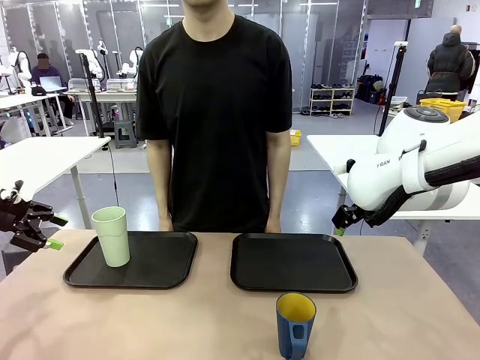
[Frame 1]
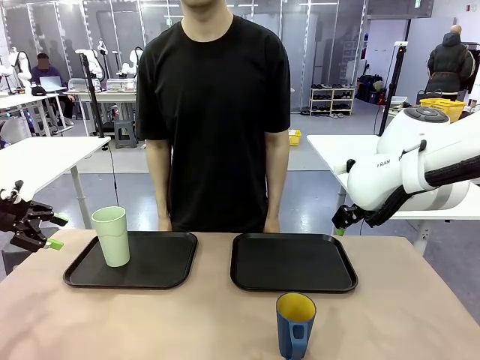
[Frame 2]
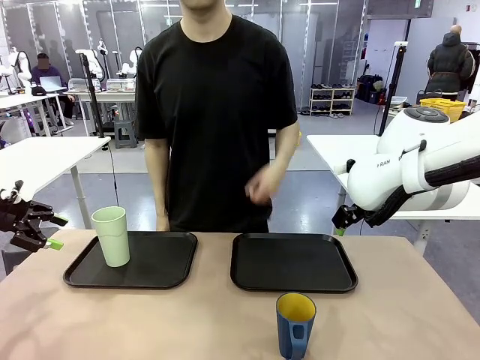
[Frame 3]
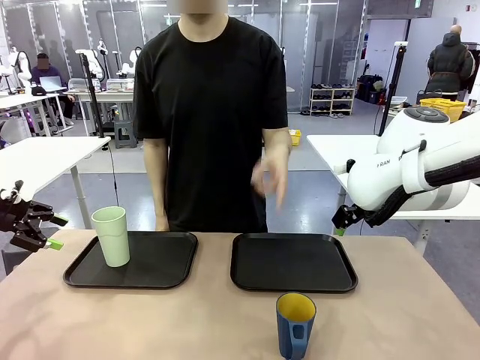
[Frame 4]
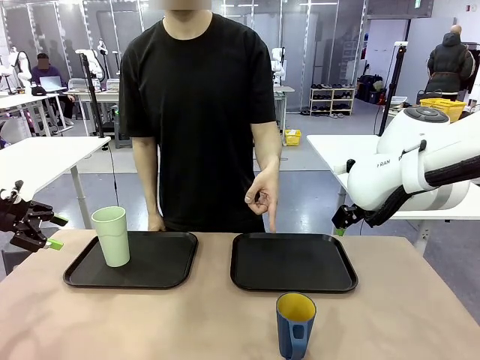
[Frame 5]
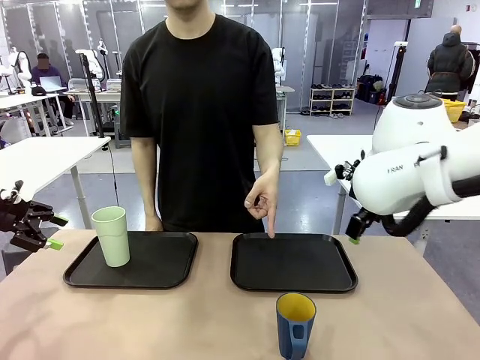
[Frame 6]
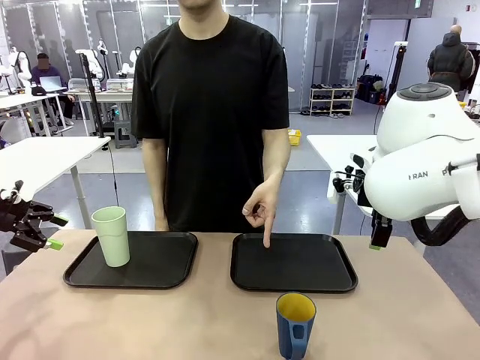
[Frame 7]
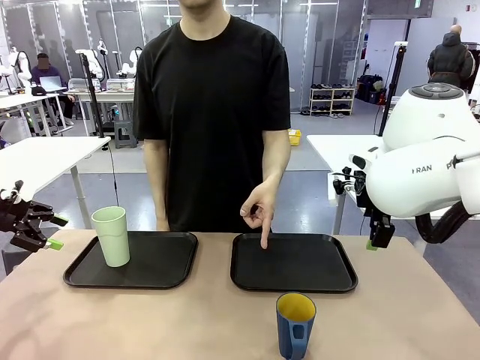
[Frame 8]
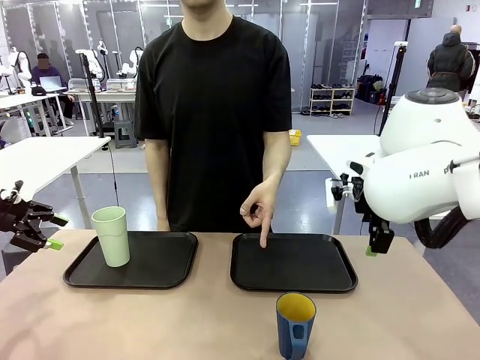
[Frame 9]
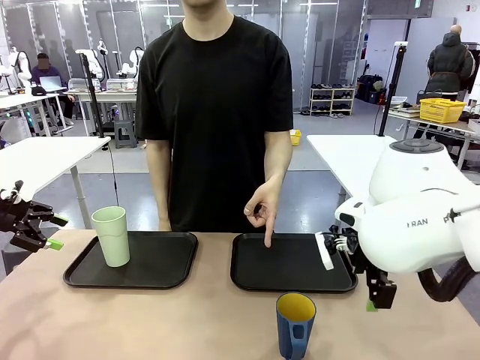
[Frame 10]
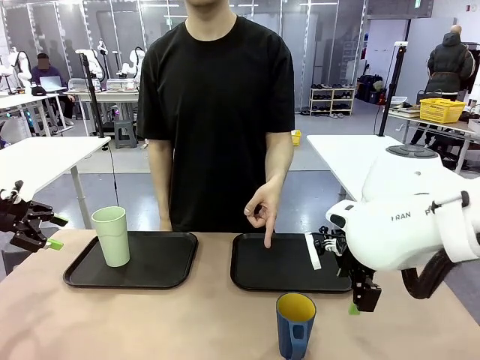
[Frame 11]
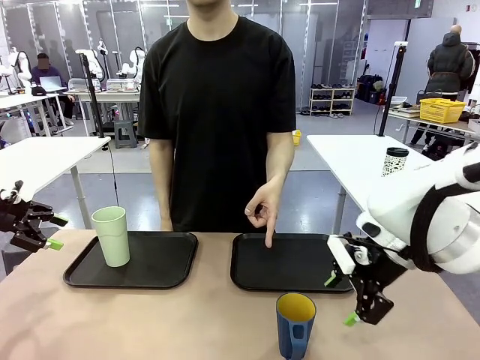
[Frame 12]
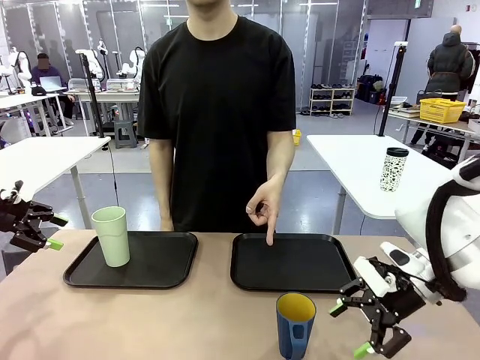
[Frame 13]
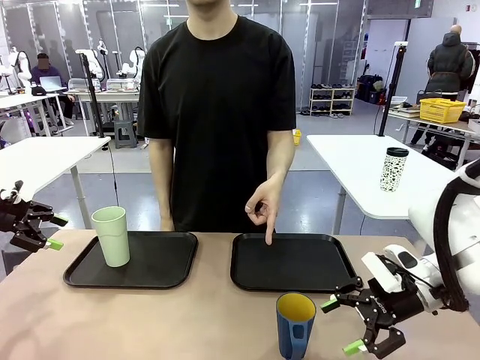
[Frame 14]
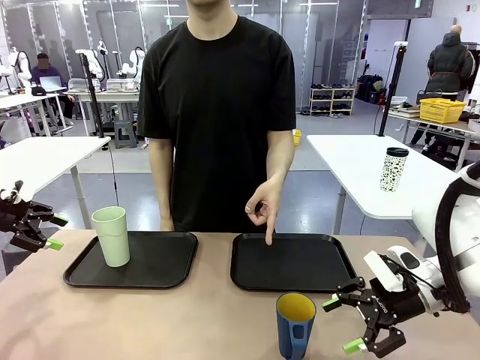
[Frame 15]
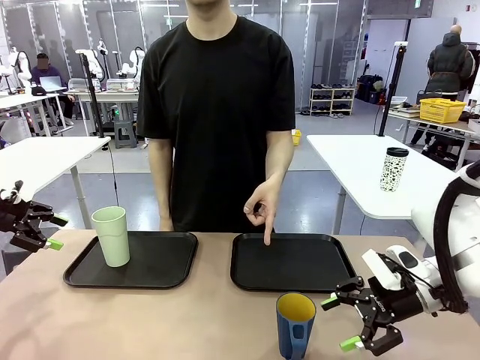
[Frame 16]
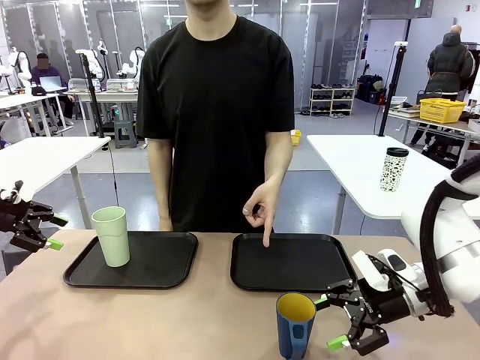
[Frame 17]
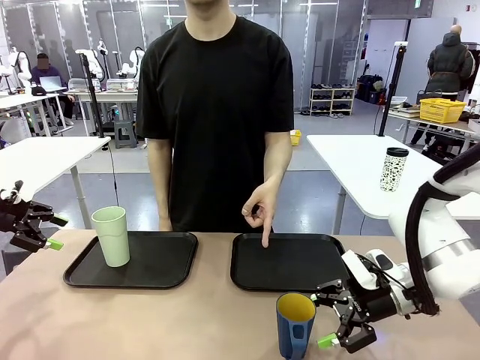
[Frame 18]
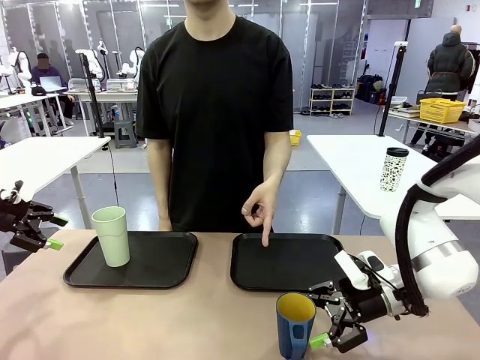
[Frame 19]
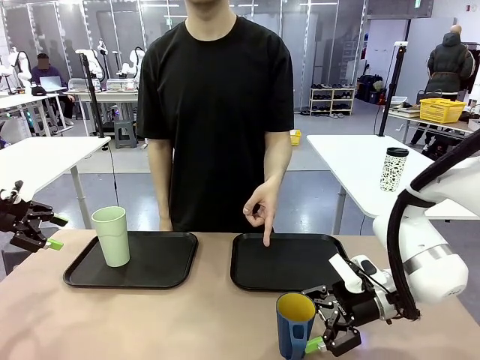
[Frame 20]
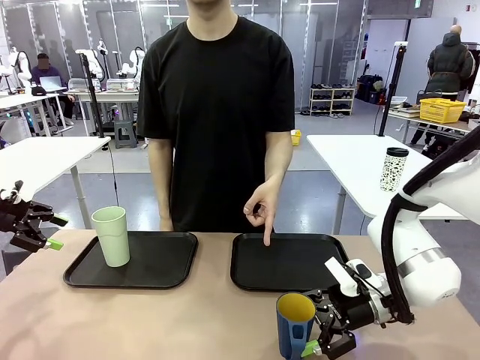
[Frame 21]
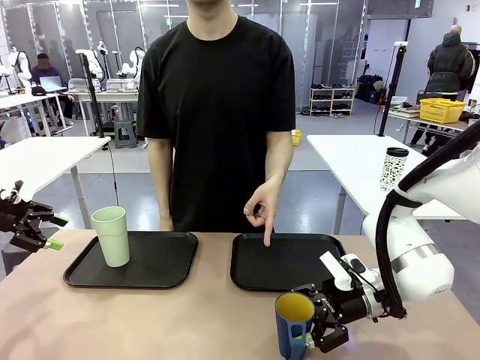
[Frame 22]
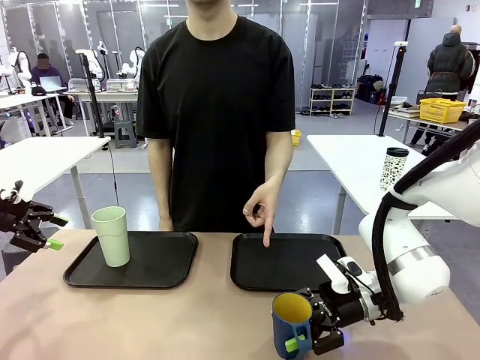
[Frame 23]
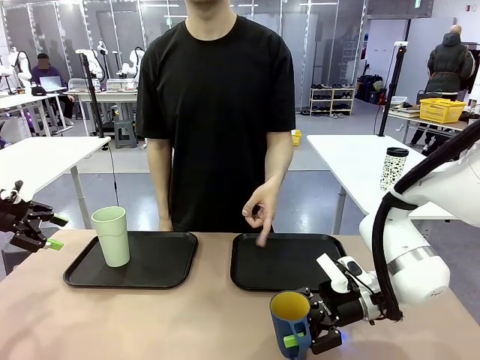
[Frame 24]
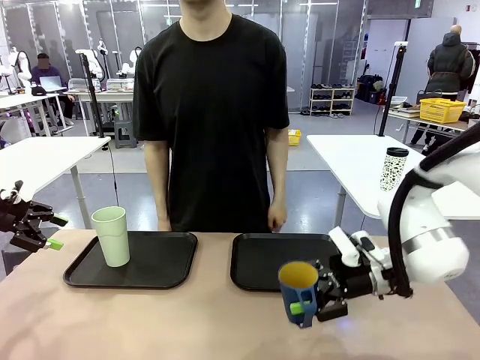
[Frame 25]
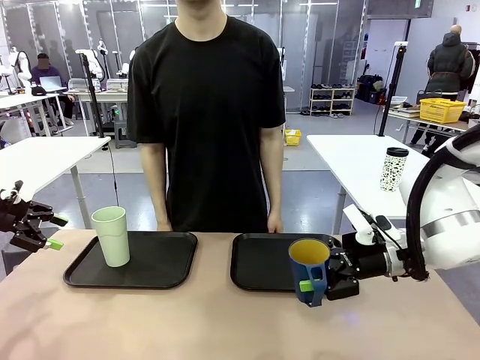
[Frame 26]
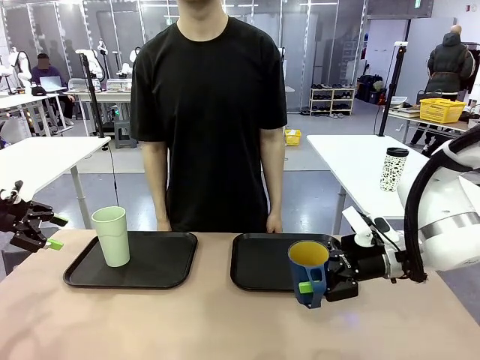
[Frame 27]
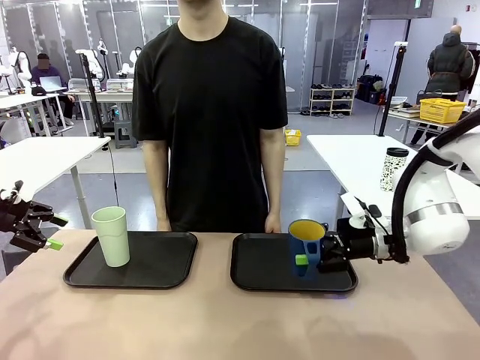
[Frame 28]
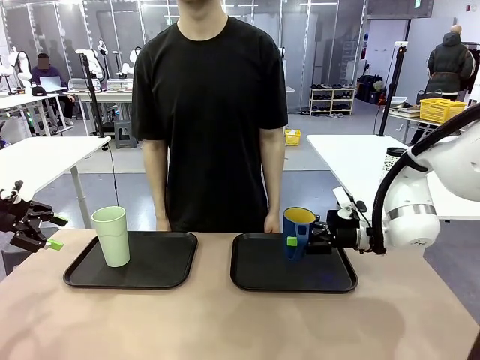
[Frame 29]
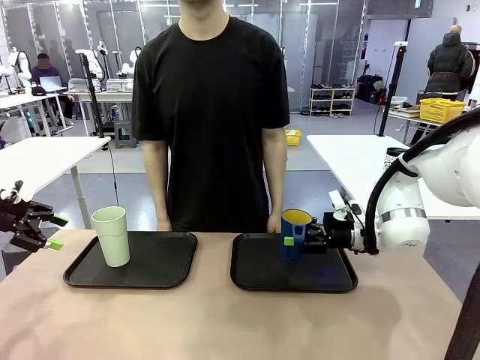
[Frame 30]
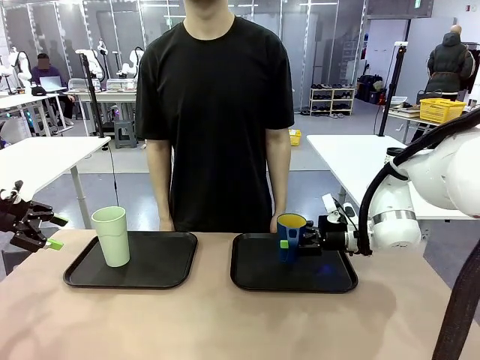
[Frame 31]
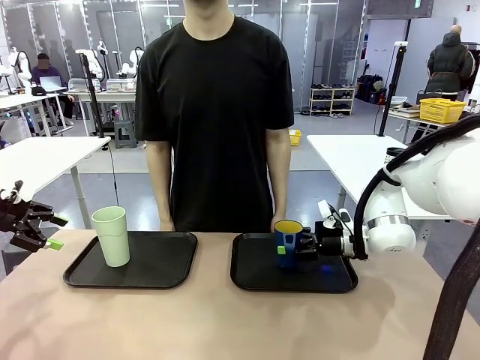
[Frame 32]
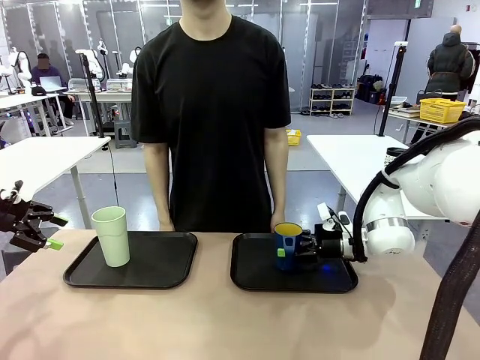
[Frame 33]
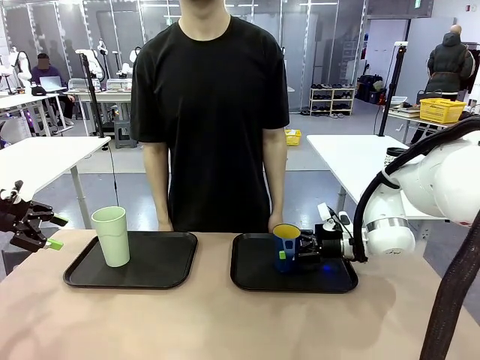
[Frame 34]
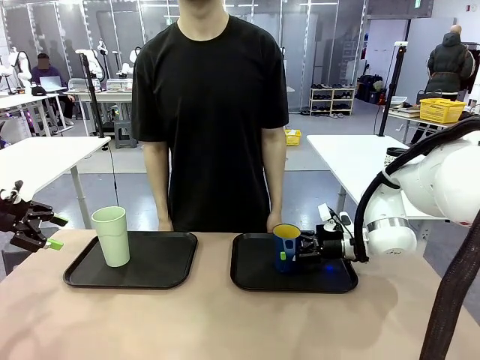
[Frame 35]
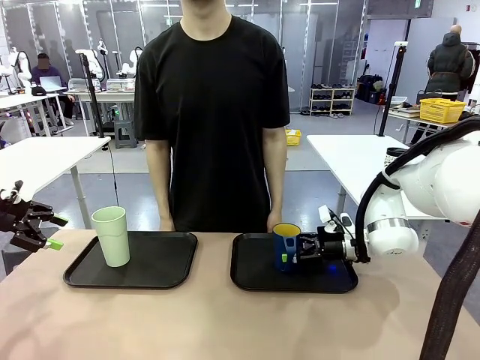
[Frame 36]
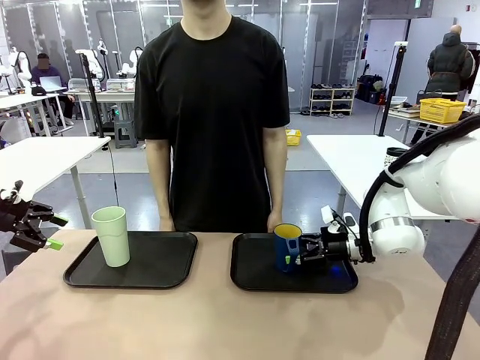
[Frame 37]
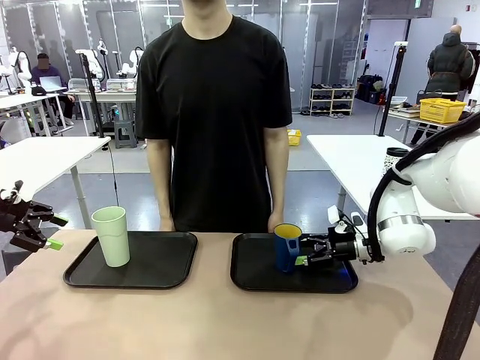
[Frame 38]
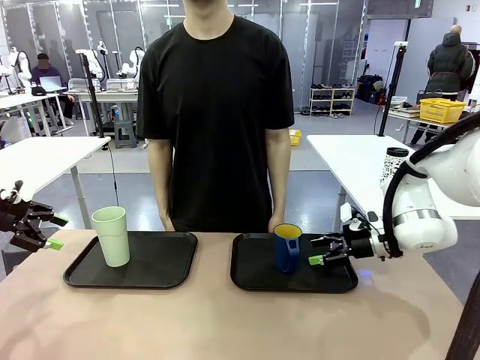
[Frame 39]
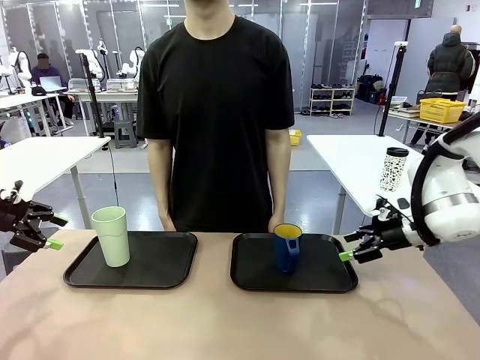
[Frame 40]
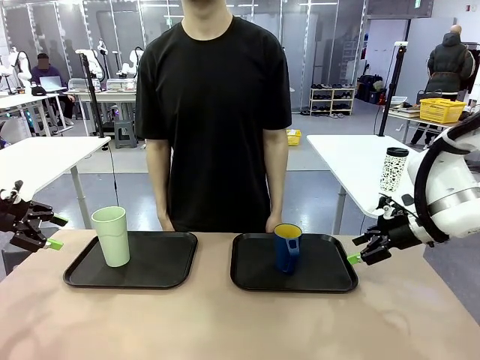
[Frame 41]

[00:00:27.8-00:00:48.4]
Task: Sort and store the cups by type.
Robot: Pick up the Handle plastic cup and place it into the empty Flat Tray.
Person: Points to the cup with a handle.

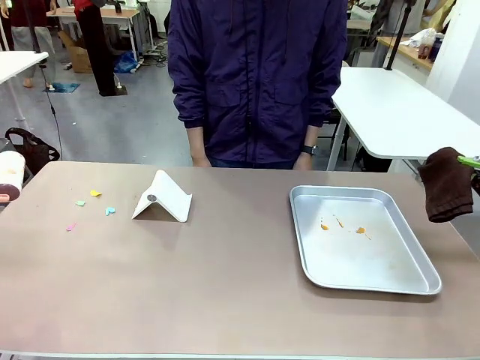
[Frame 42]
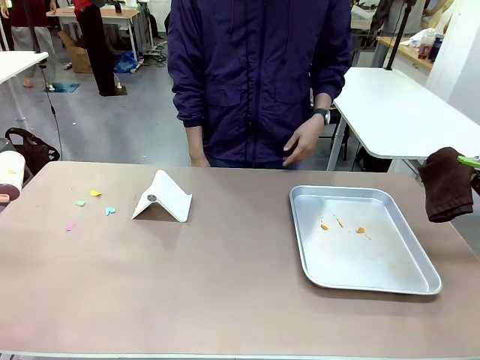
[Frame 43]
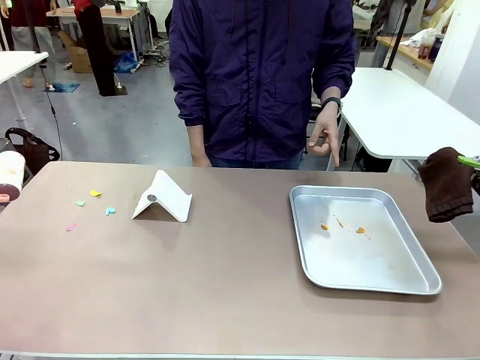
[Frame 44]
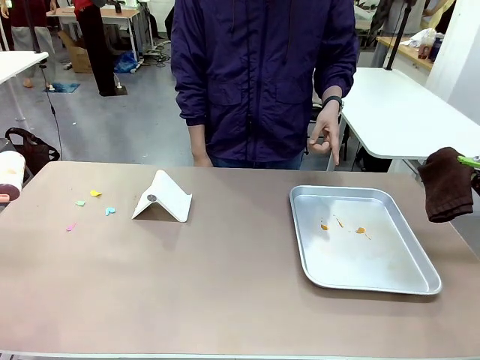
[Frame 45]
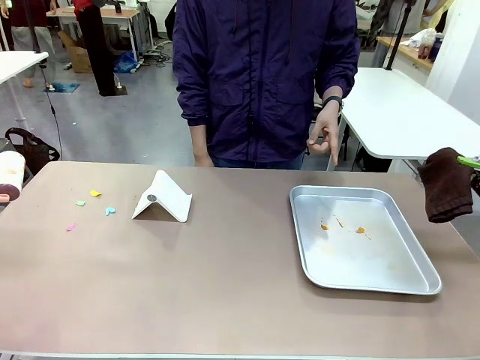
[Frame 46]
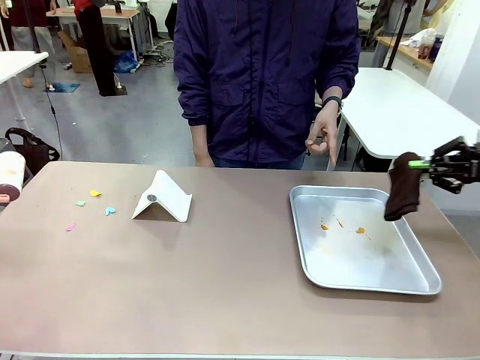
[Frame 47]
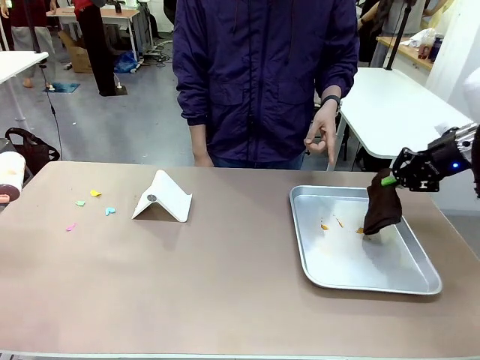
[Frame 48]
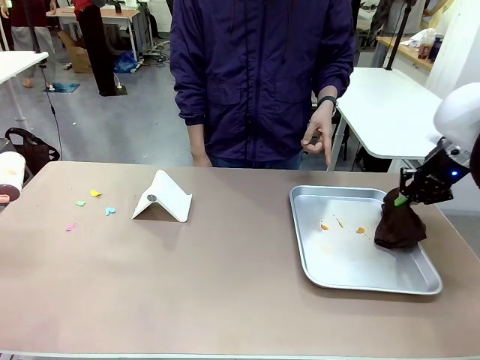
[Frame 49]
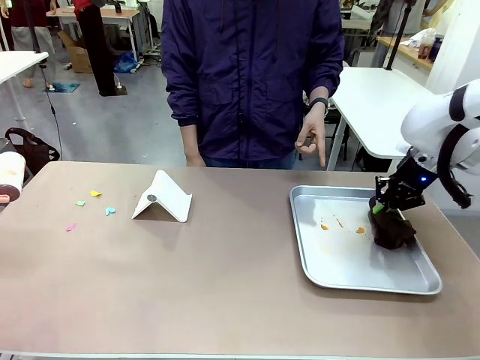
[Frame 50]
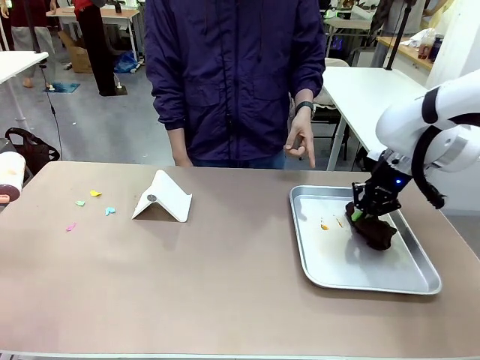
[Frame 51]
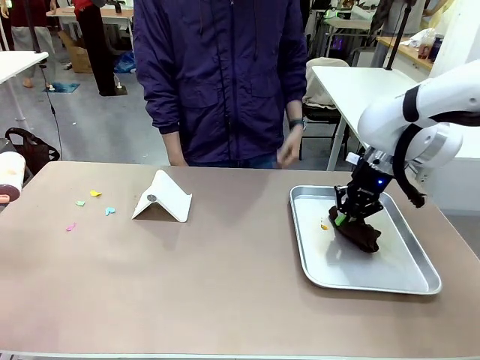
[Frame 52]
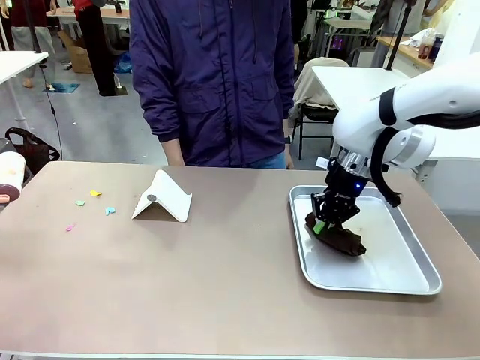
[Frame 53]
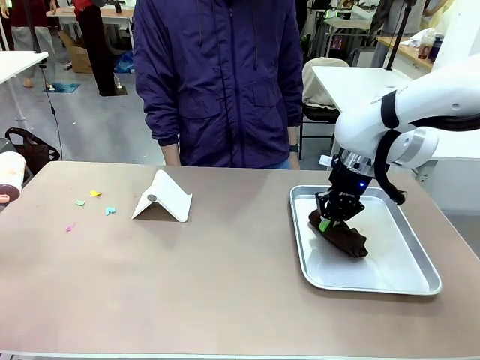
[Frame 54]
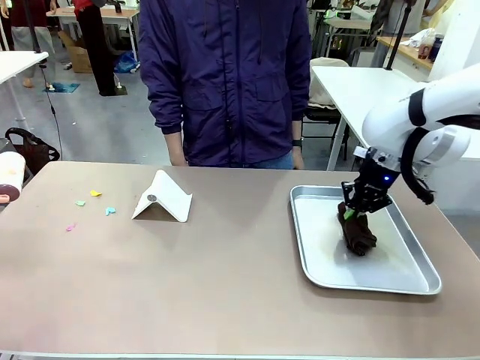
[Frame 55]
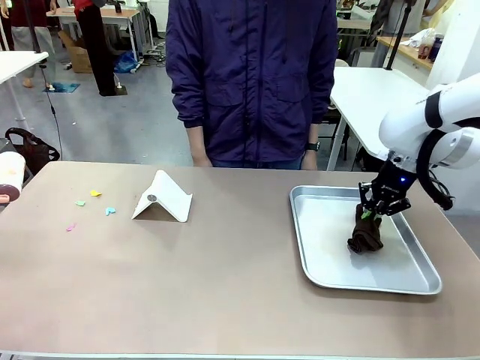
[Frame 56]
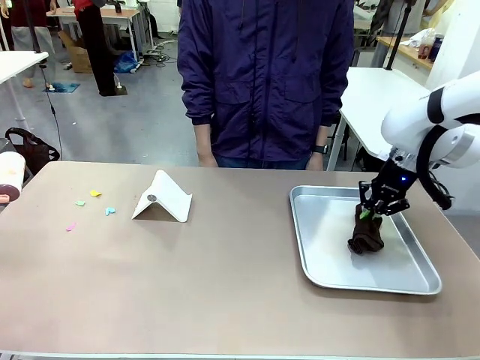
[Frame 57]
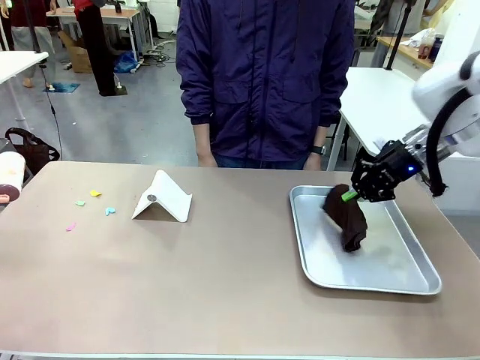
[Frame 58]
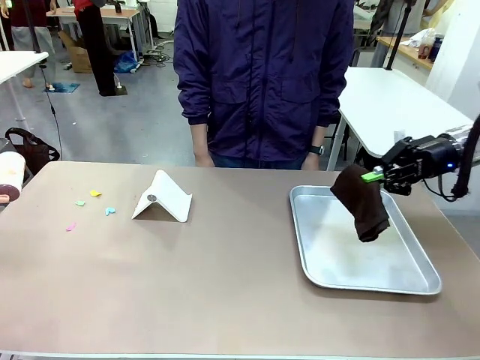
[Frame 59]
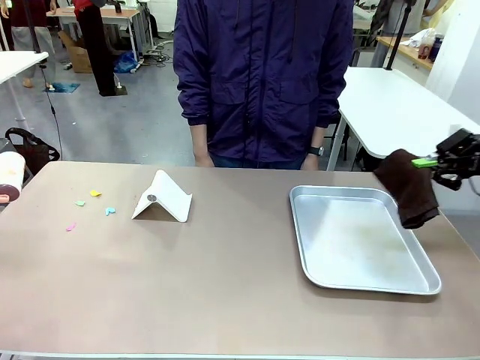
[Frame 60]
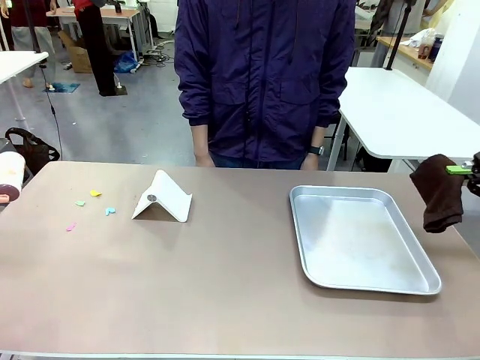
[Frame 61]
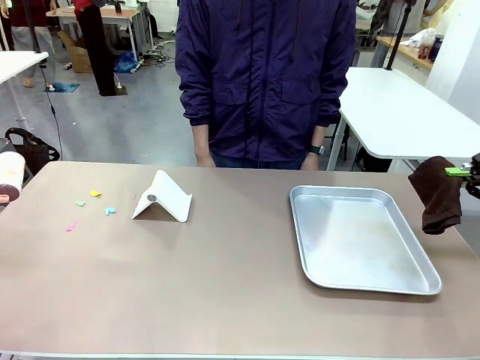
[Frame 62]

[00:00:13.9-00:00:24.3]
Task: Clean the surface of the table.
Robot: If a person points to the right, clean the right side of the table with your right hand, and if they point to the left, clean the left side with your left hand.
